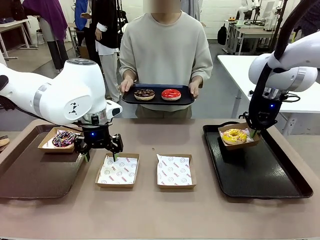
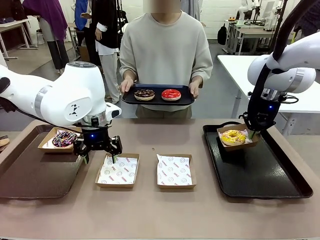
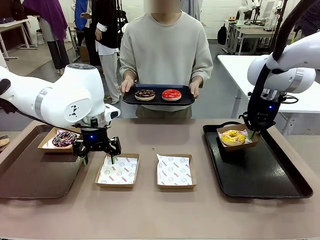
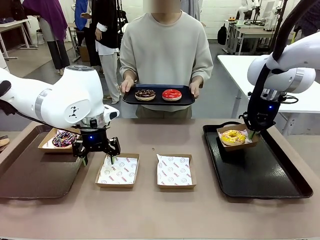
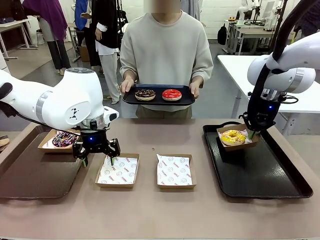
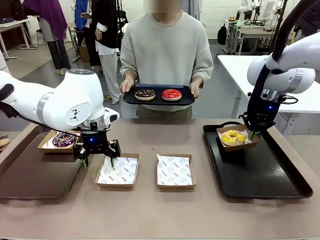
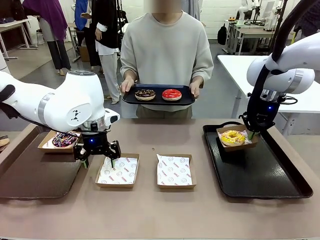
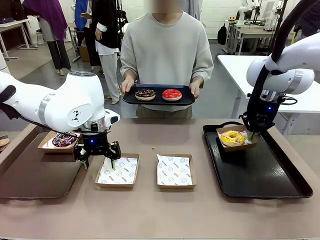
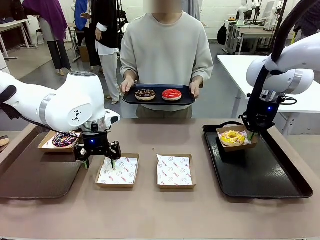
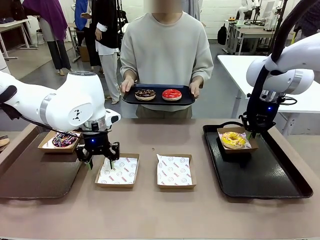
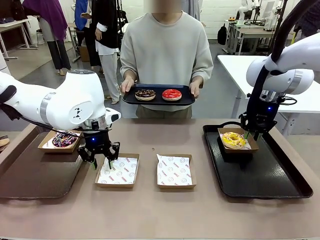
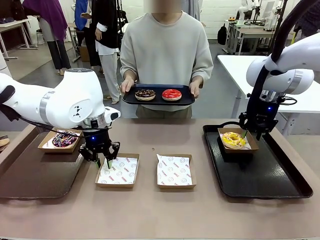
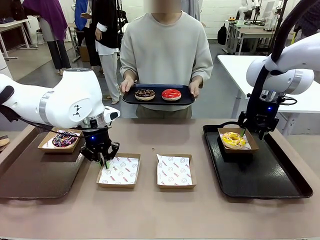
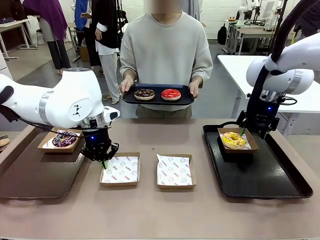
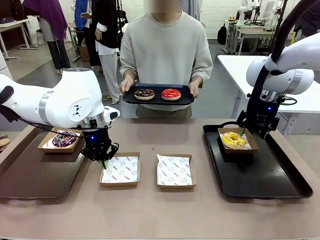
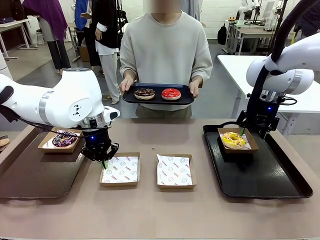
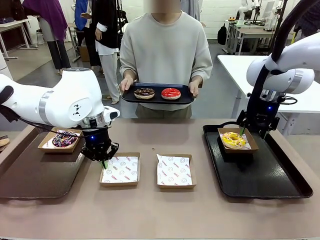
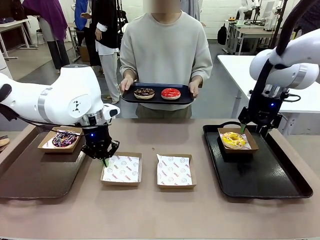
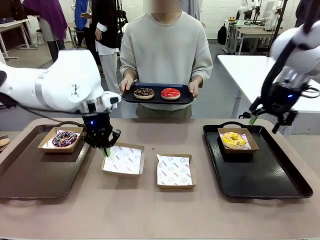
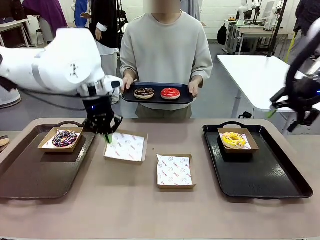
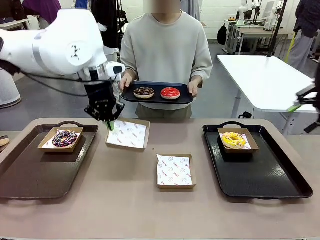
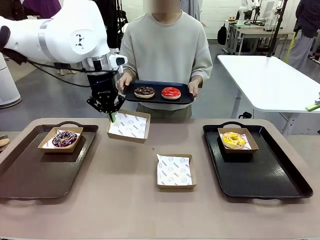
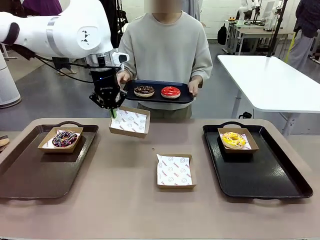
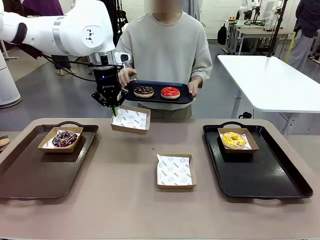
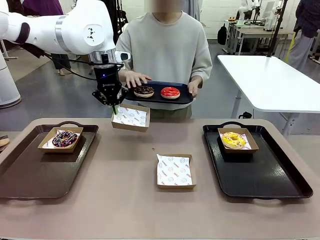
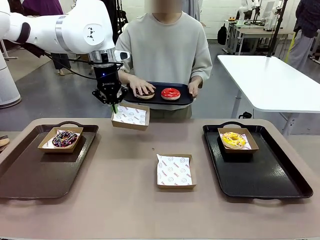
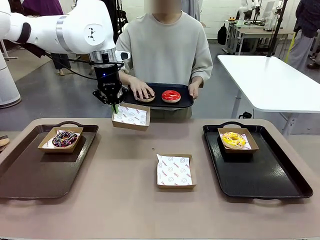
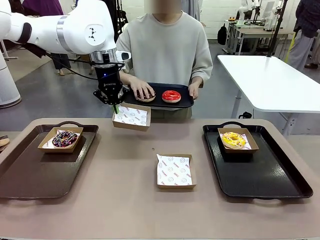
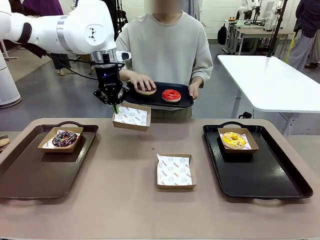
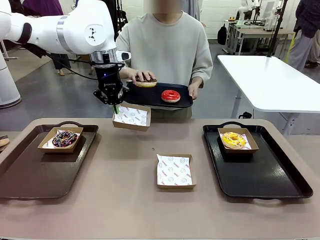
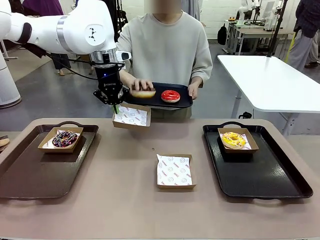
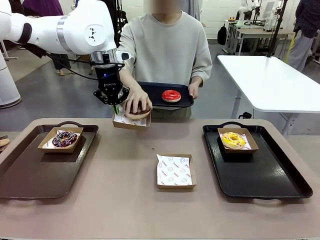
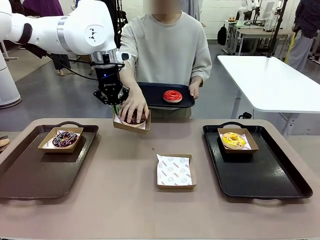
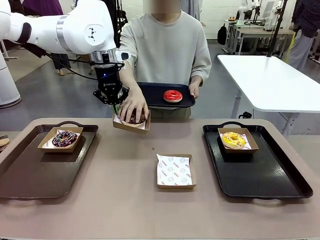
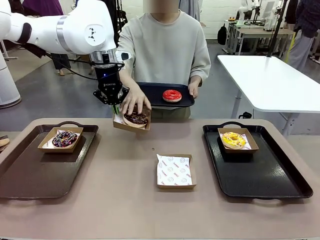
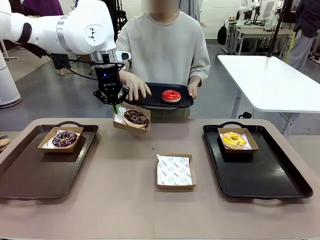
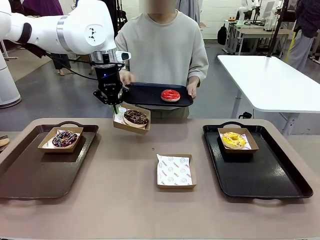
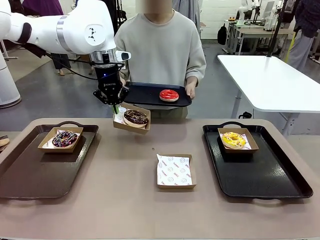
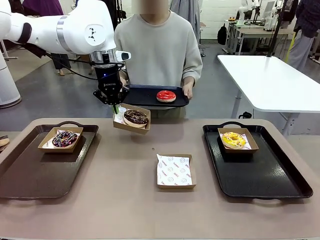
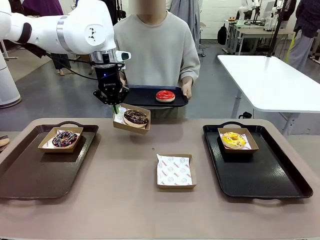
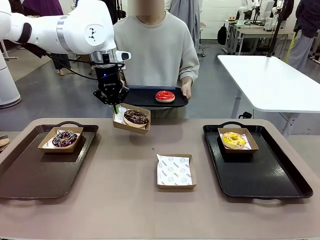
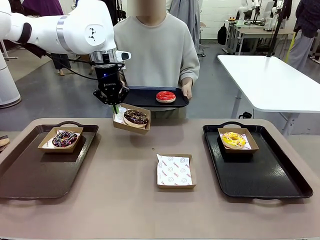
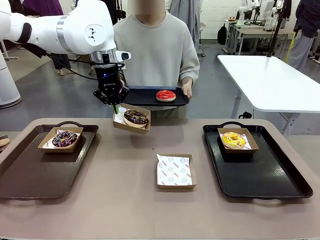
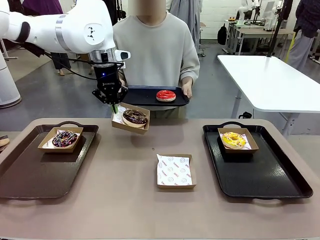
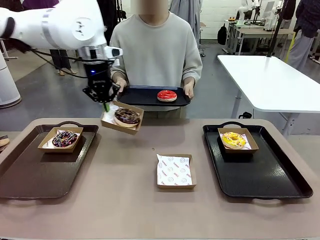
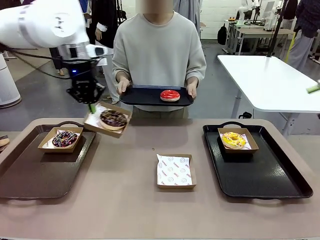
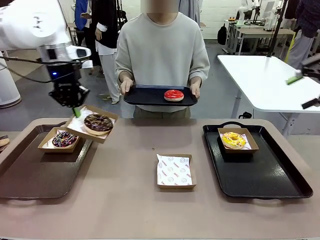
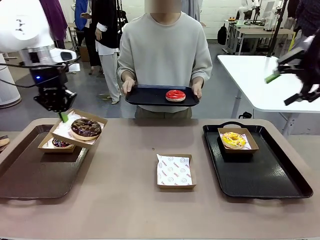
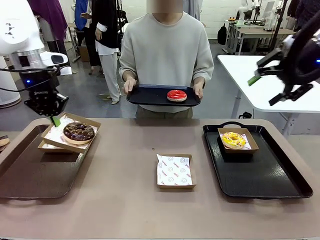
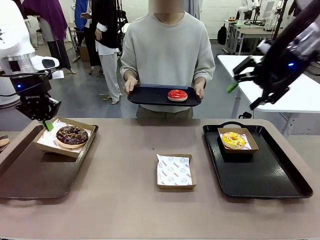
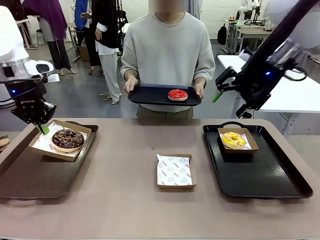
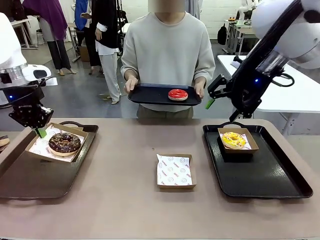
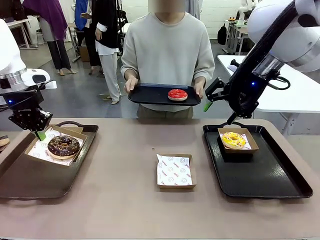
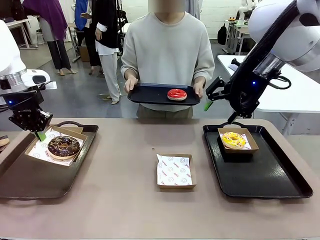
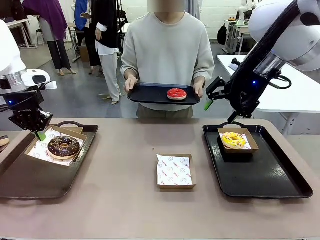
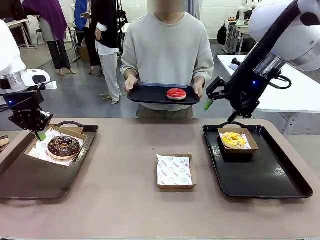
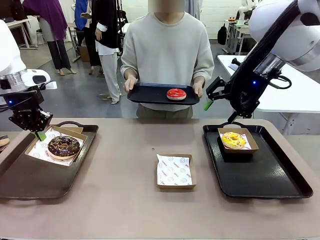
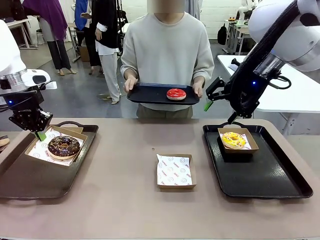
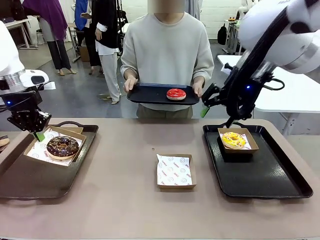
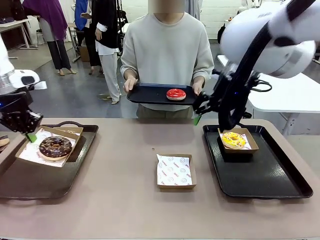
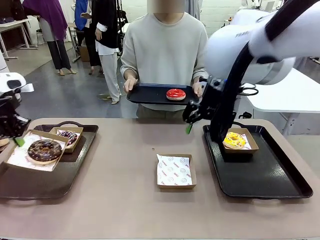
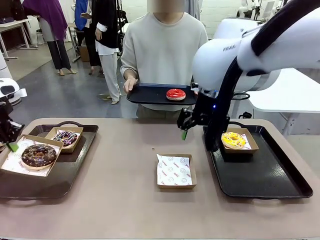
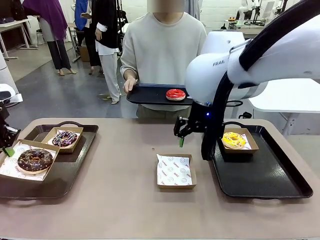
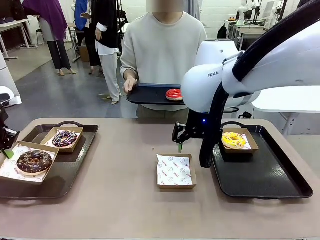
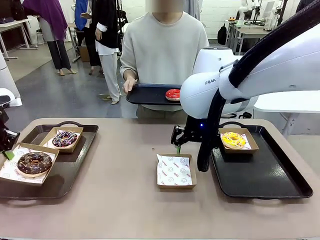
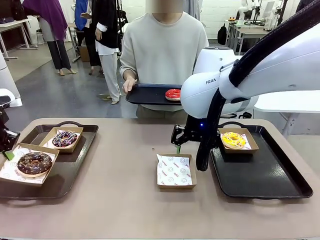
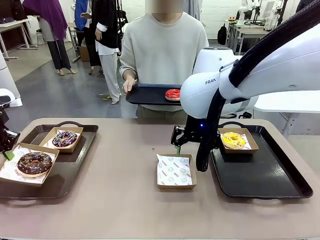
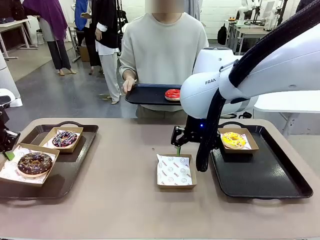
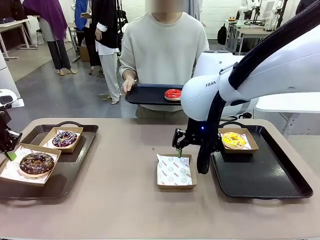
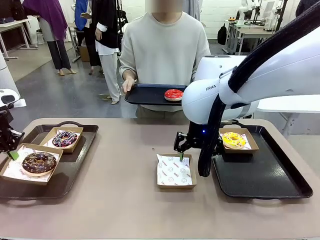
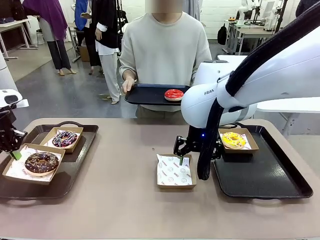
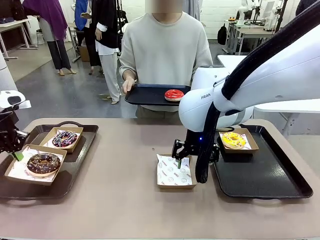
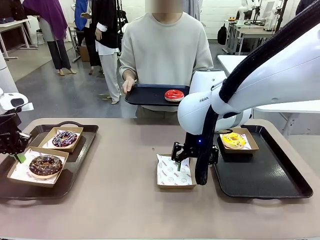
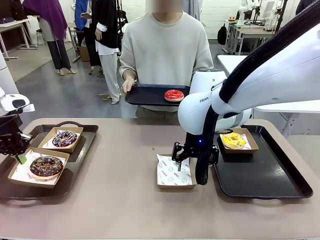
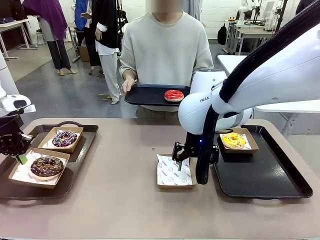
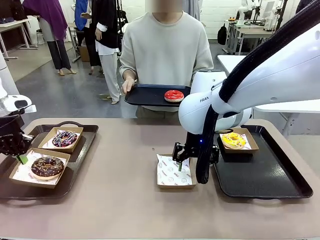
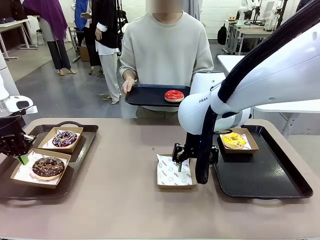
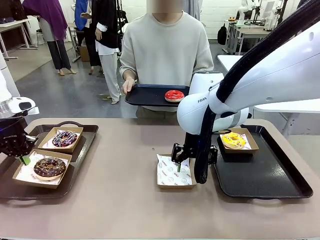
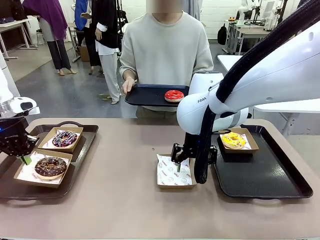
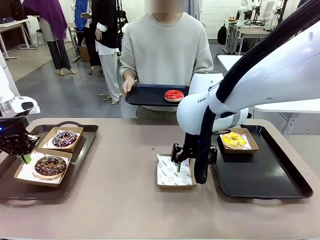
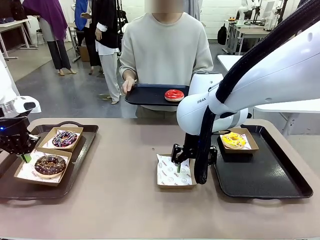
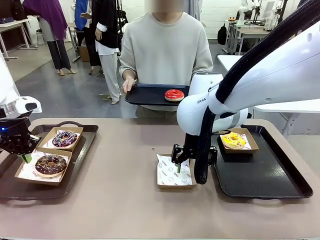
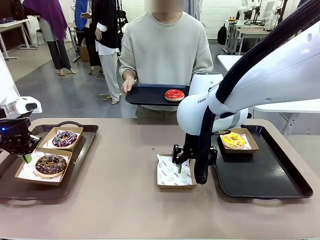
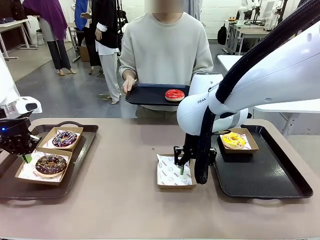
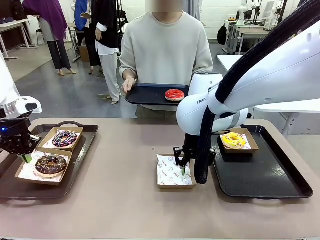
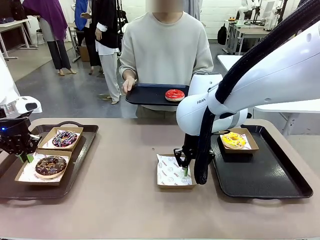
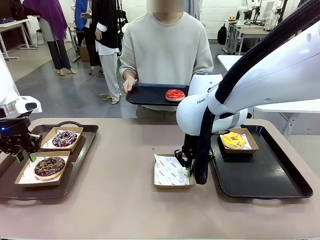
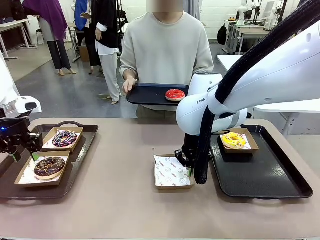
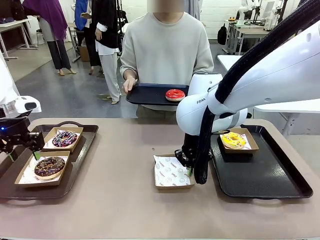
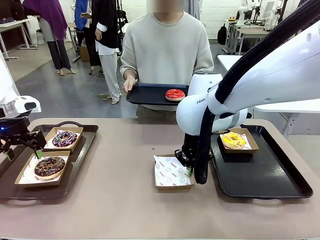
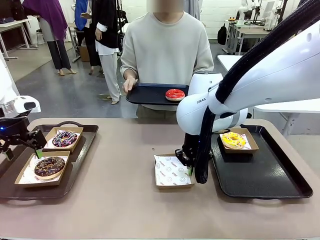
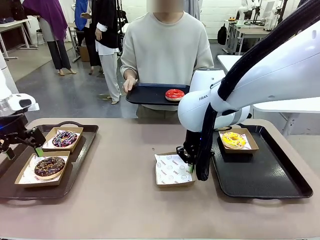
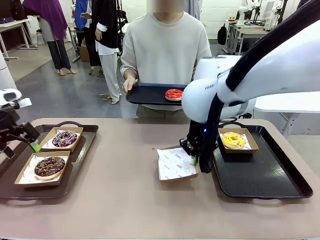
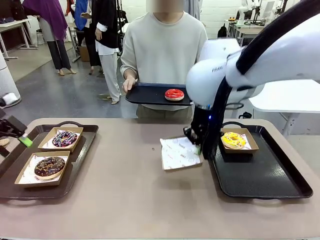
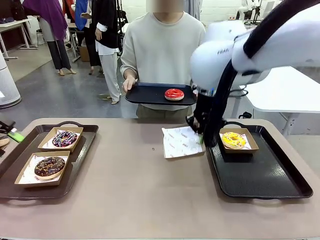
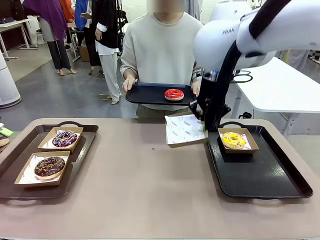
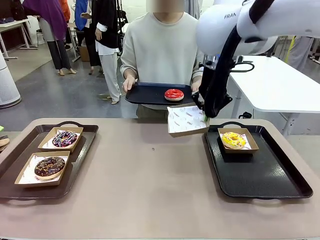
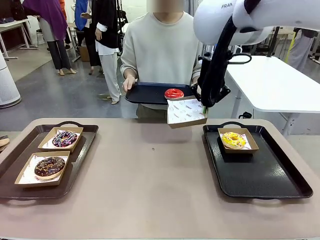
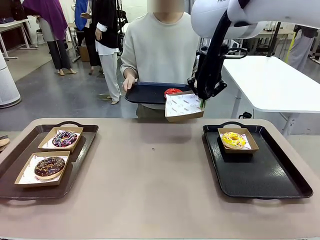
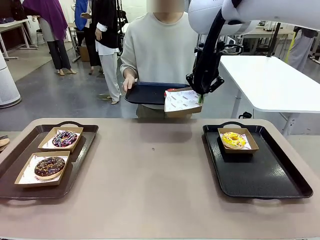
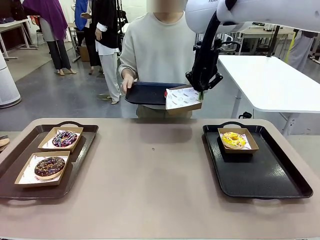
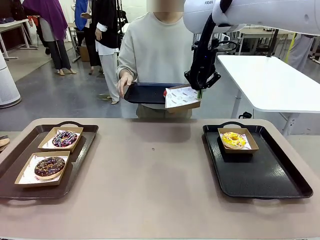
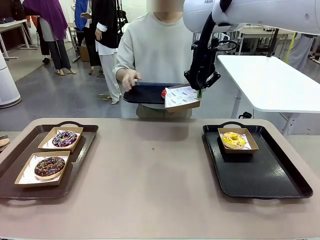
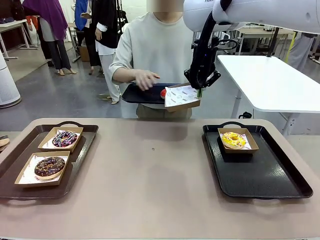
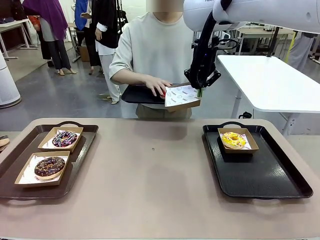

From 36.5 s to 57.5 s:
Task: Individually package the donuts and arrange them on the tray.
Robot: Place the picked Paper togo box on the Handle tray while simultaneously picking up another Paper togo box from the table with the other hand.
